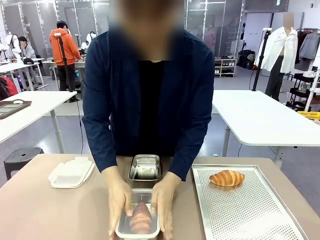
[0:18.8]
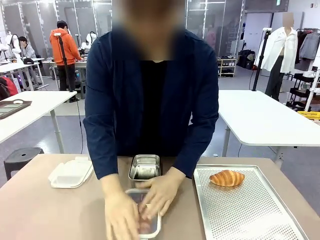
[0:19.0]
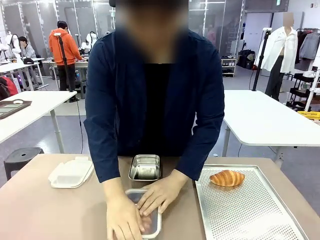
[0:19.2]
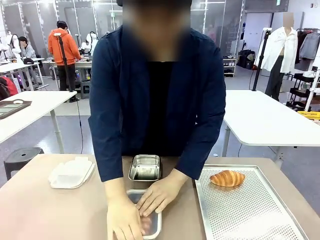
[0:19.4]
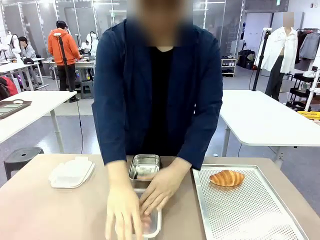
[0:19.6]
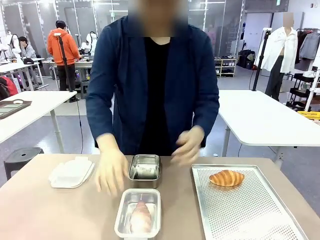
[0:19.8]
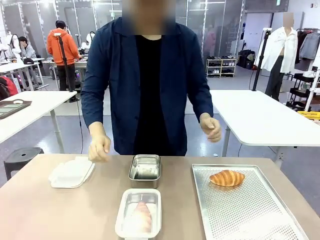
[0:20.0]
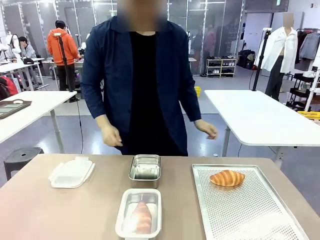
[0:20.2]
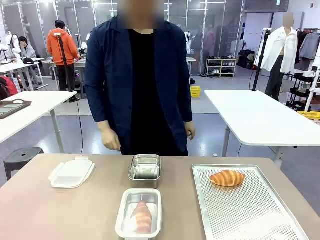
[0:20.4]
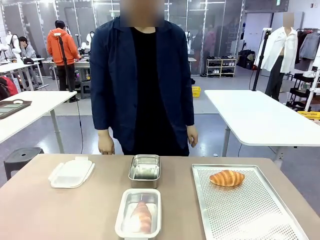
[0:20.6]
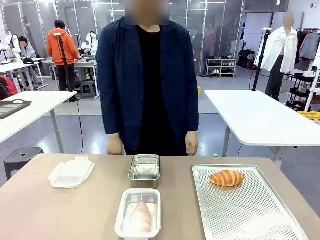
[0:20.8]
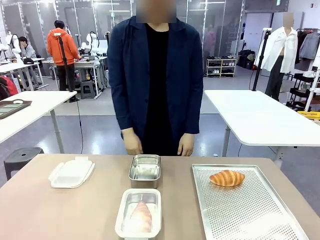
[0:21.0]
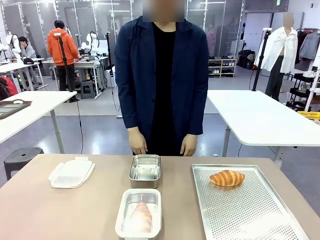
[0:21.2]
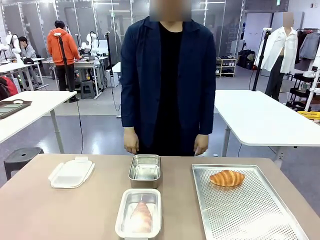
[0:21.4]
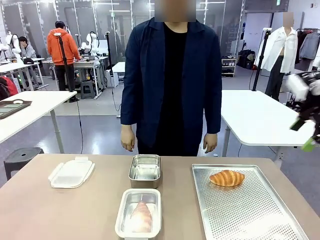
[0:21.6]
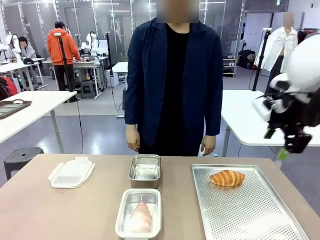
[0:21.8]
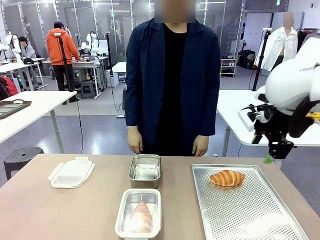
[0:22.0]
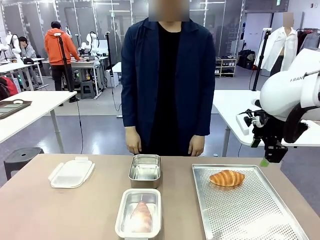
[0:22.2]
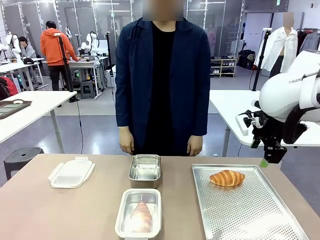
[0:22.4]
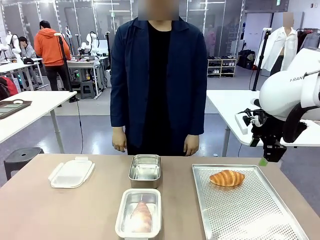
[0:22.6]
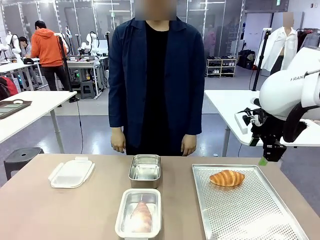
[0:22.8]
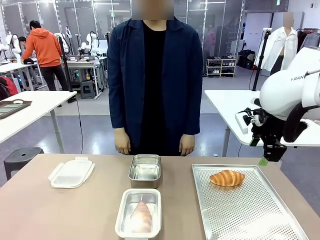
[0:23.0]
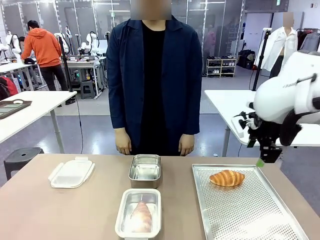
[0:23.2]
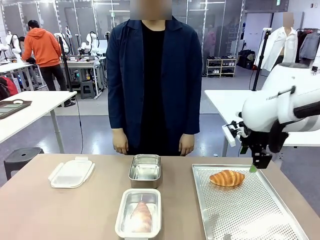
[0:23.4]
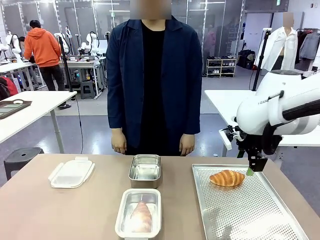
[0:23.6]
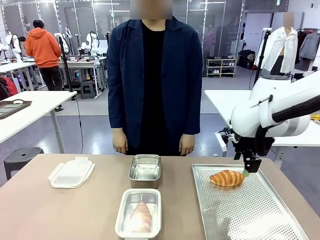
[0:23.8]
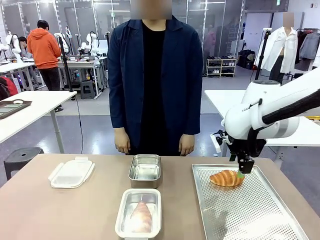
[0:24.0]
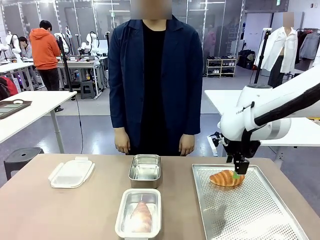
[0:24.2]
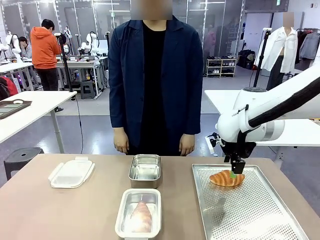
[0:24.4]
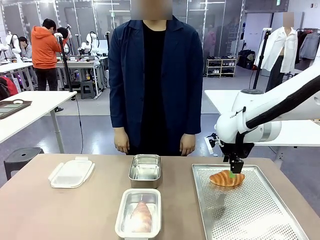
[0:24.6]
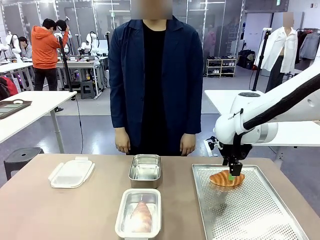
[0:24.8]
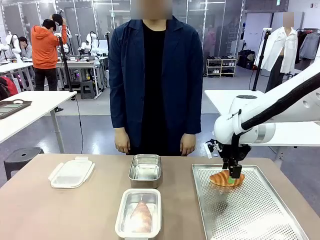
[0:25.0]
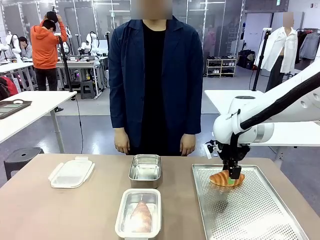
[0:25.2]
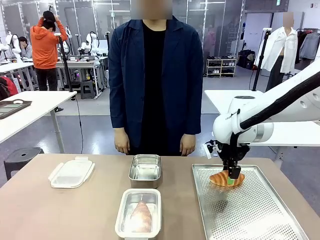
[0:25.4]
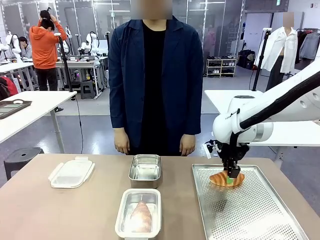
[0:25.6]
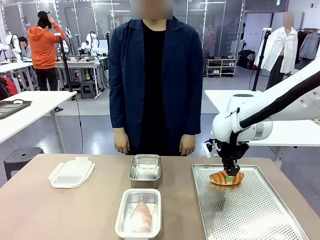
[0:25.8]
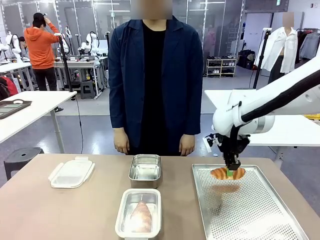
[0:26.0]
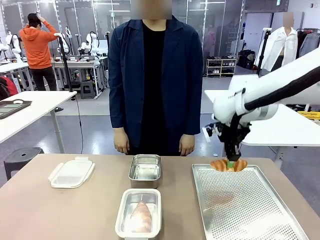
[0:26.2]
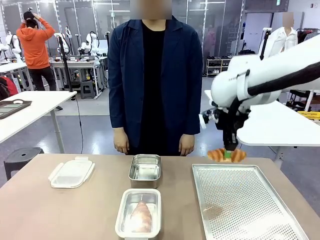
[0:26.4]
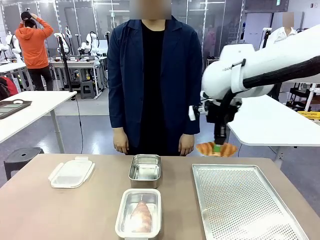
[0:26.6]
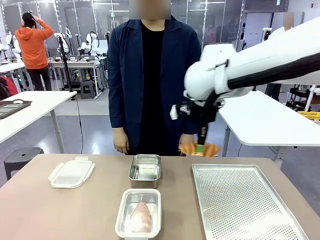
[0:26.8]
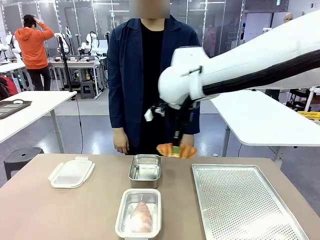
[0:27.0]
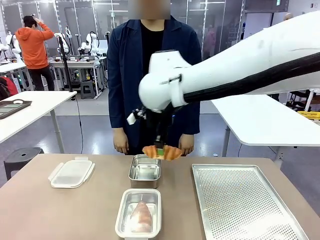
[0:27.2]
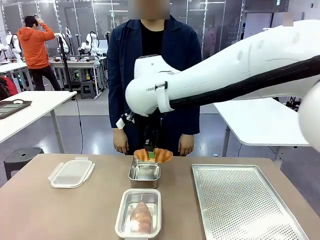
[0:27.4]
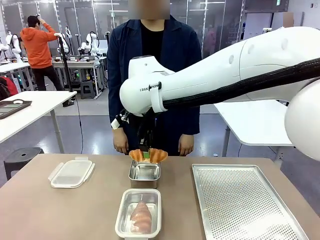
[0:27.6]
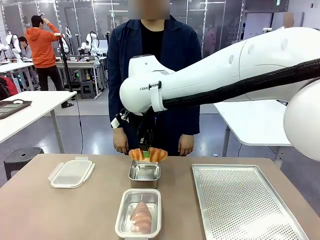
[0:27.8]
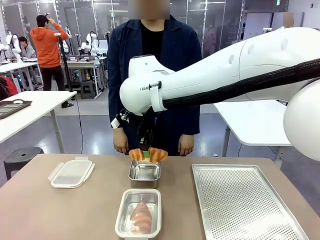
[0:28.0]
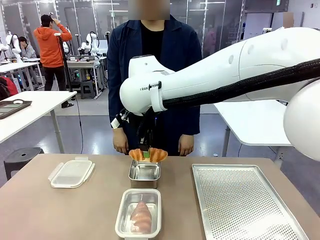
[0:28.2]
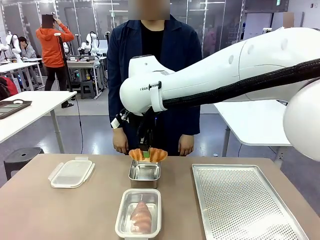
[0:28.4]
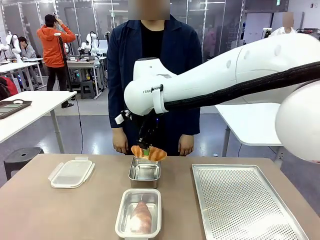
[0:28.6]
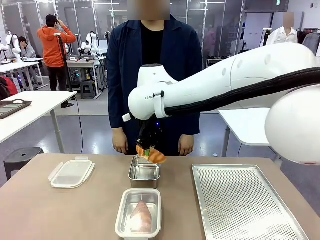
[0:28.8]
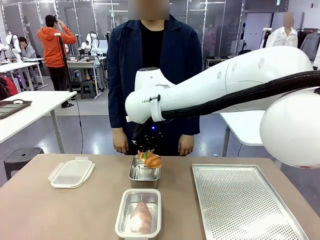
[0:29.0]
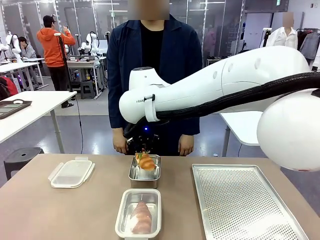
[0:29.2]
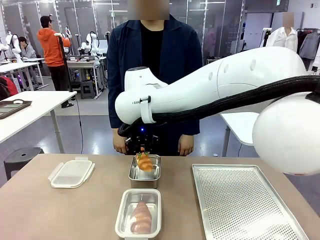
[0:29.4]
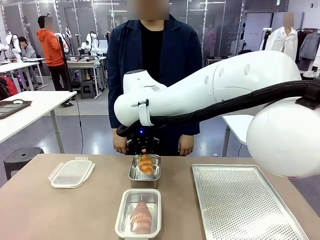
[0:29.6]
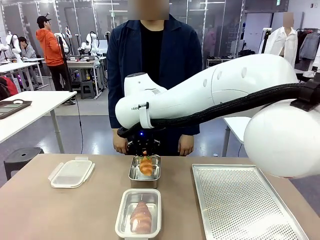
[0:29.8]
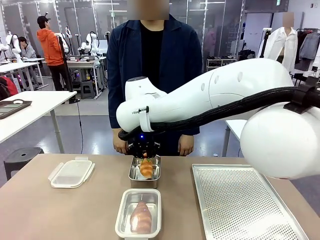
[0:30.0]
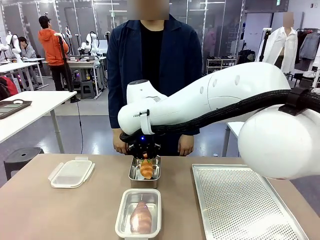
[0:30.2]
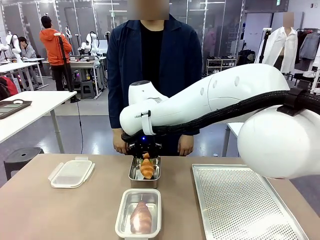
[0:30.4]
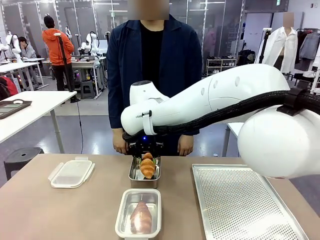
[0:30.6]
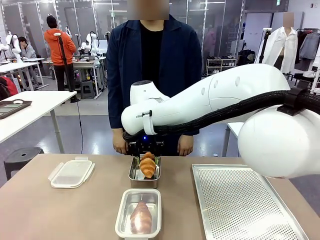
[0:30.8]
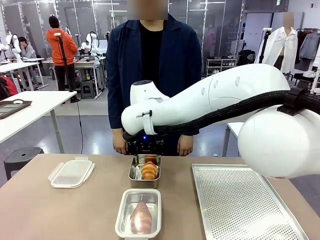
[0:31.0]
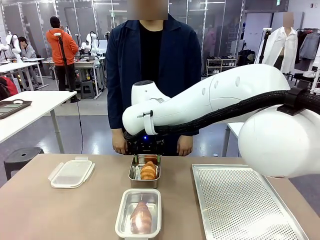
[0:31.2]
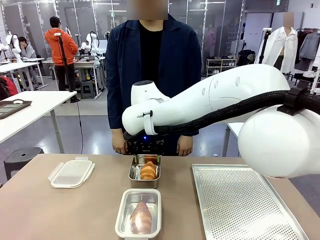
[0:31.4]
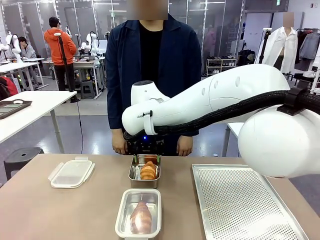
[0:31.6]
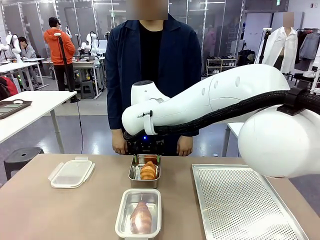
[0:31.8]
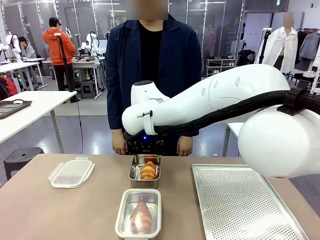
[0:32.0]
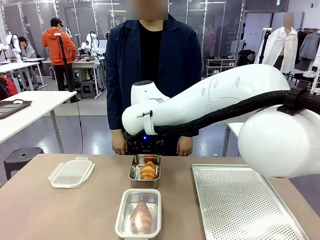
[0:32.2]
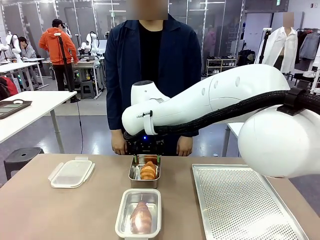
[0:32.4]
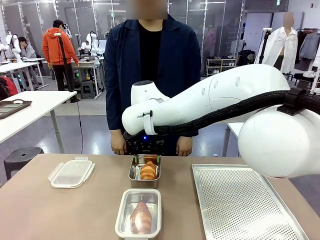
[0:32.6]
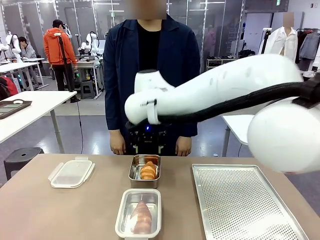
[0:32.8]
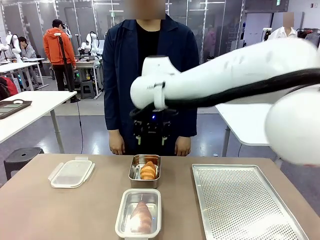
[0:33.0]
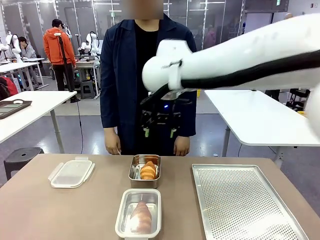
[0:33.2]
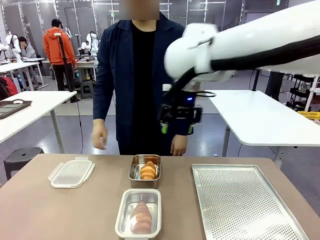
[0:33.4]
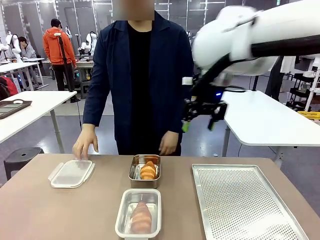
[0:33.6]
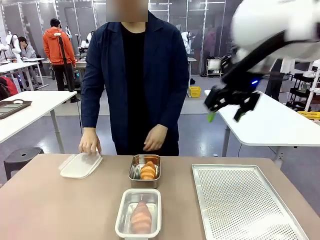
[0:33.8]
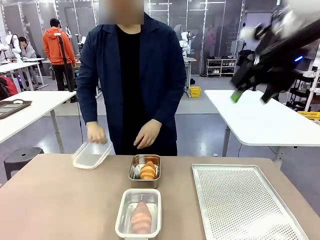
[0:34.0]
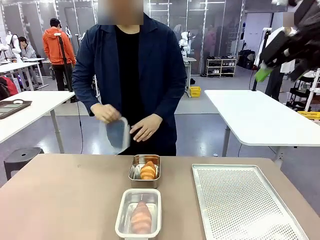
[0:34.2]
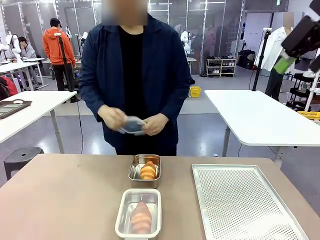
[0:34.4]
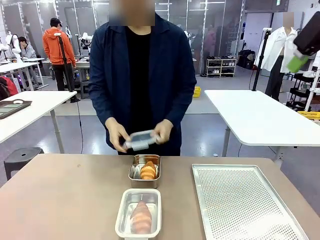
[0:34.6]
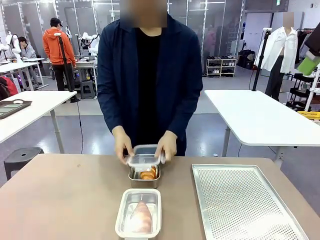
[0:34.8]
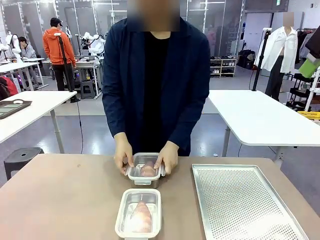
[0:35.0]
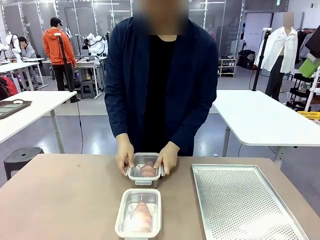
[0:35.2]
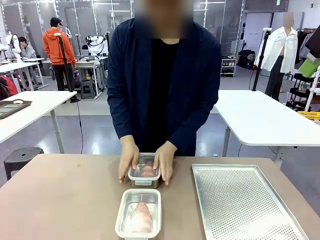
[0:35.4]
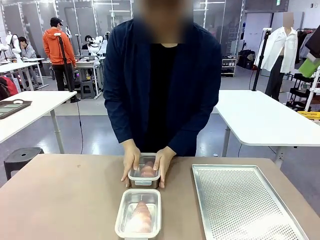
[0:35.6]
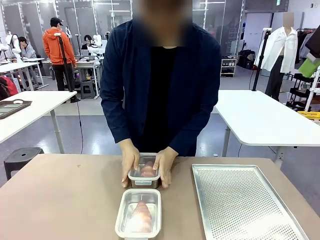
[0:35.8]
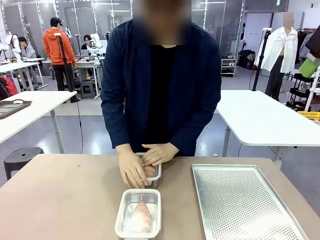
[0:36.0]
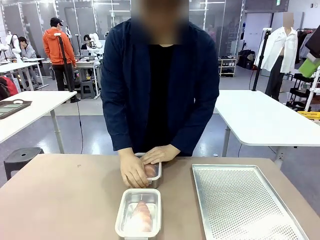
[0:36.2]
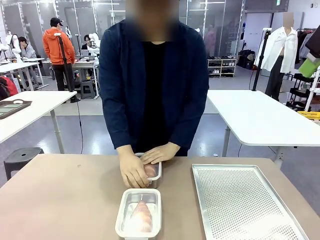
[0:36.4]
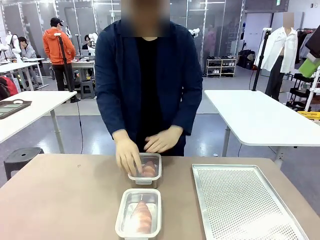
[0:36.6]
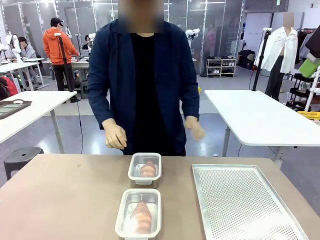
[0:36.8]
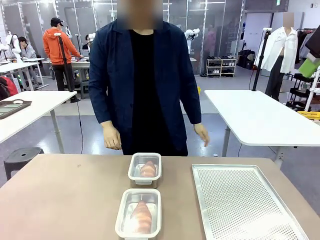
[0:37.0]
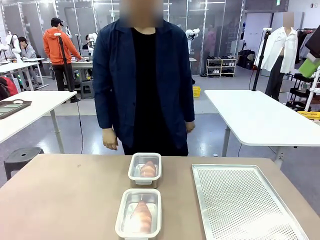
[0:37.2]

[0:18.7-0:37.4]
Task: Place the bread into the airtight container.
Robot: Pick up a Butter Roll and place it into an empty Airtight Container.
